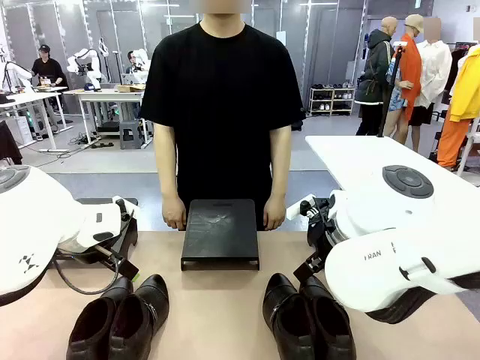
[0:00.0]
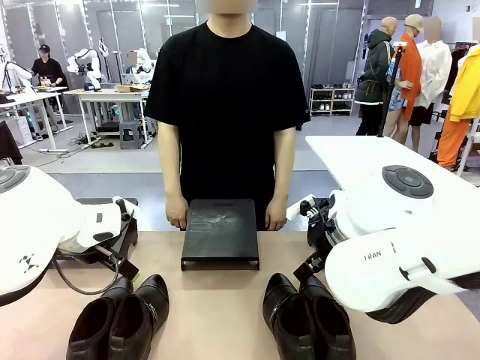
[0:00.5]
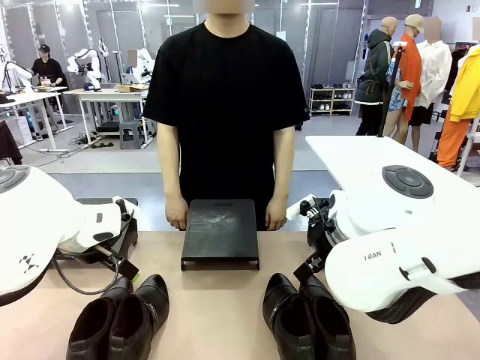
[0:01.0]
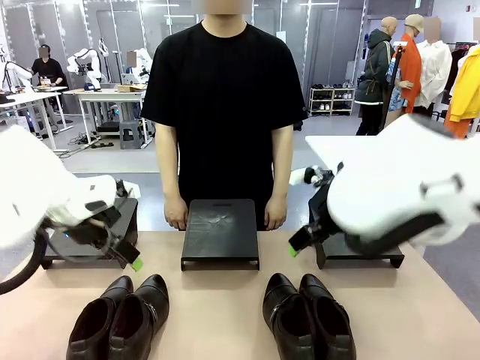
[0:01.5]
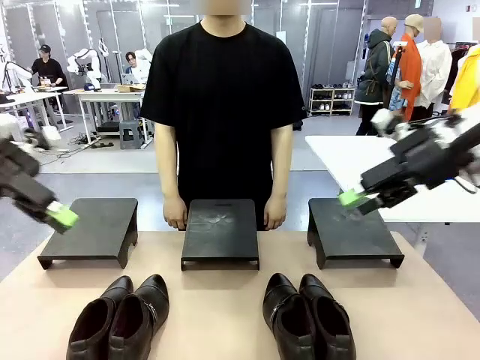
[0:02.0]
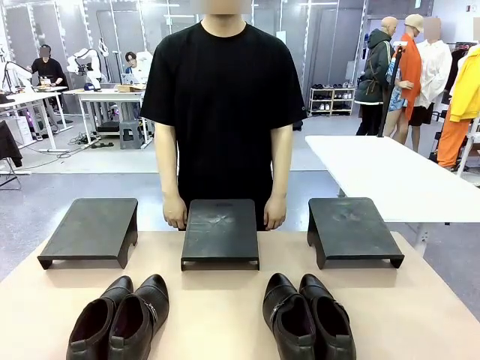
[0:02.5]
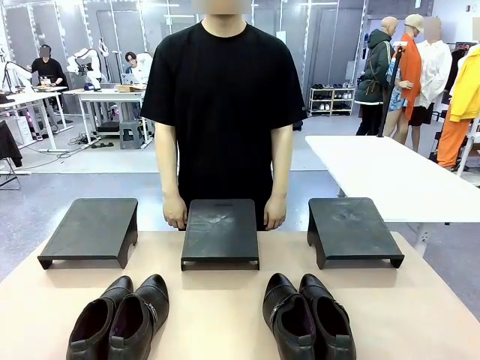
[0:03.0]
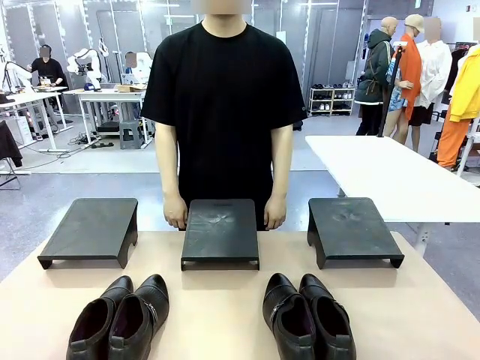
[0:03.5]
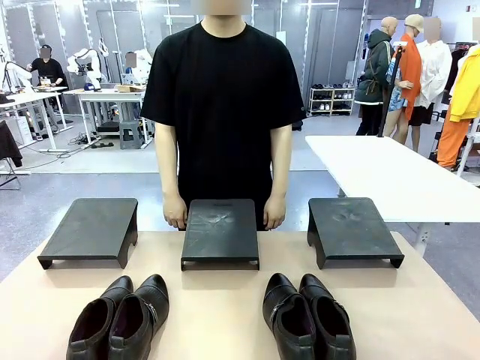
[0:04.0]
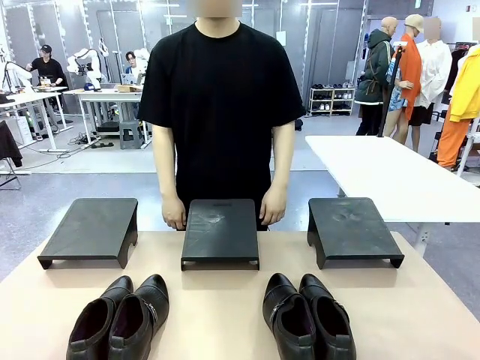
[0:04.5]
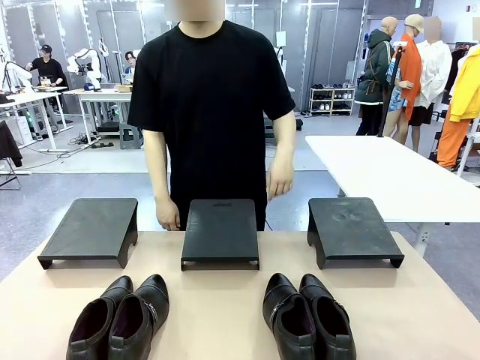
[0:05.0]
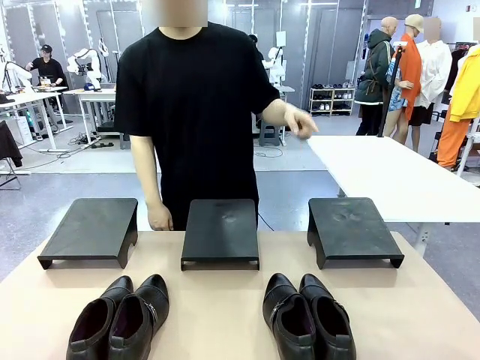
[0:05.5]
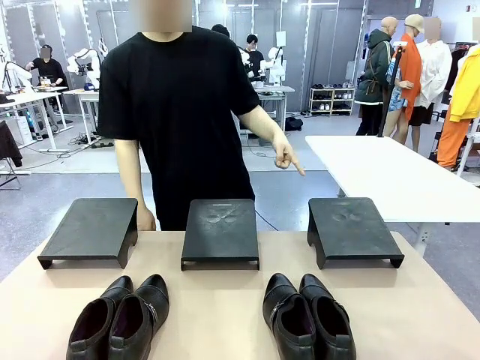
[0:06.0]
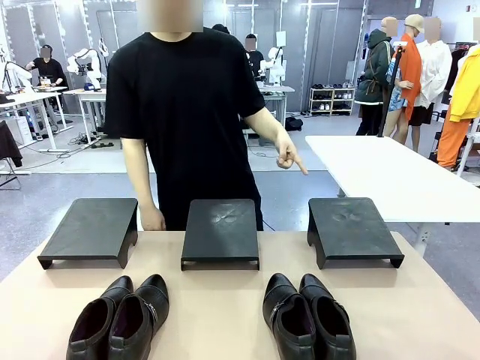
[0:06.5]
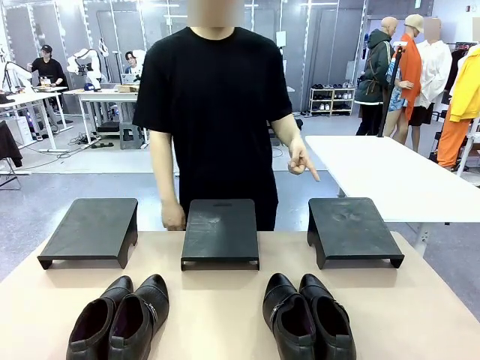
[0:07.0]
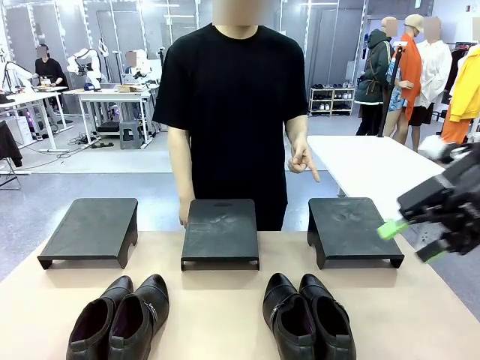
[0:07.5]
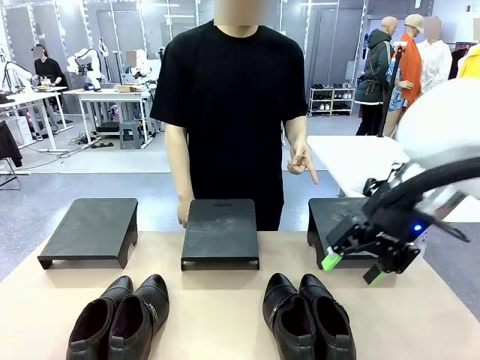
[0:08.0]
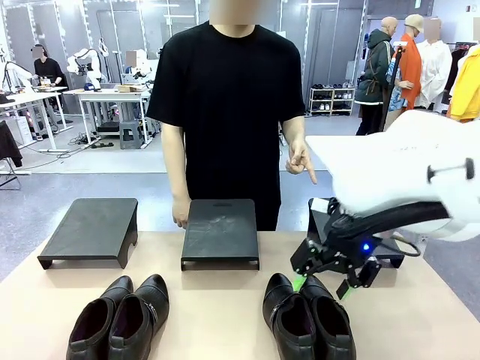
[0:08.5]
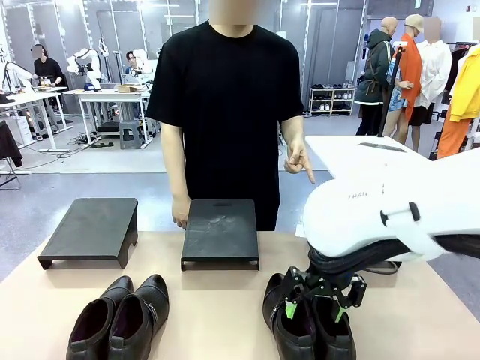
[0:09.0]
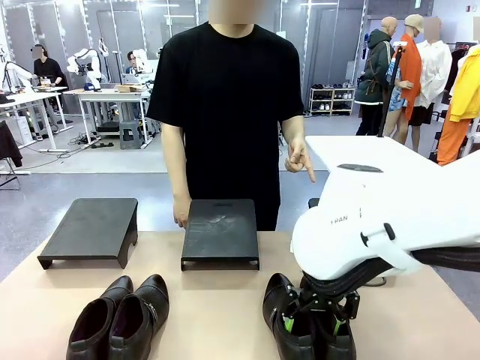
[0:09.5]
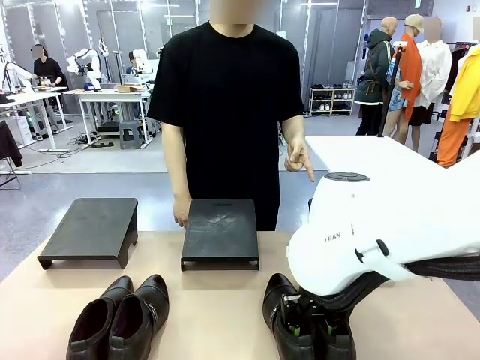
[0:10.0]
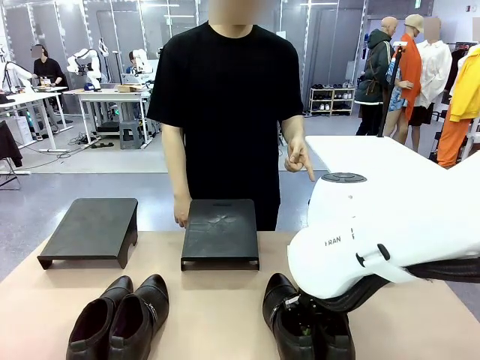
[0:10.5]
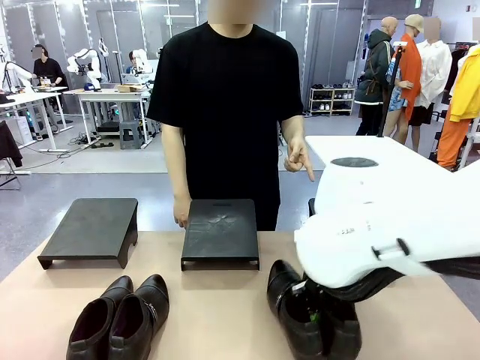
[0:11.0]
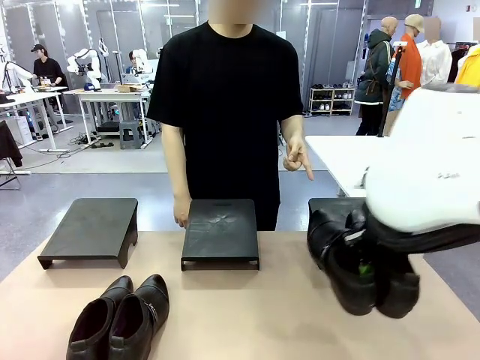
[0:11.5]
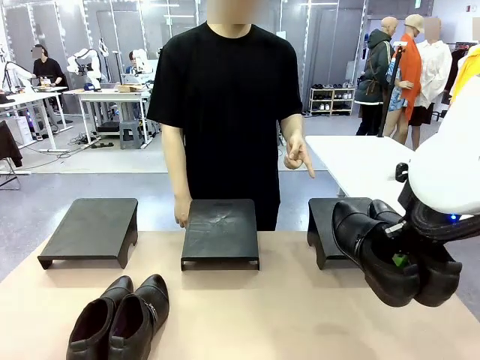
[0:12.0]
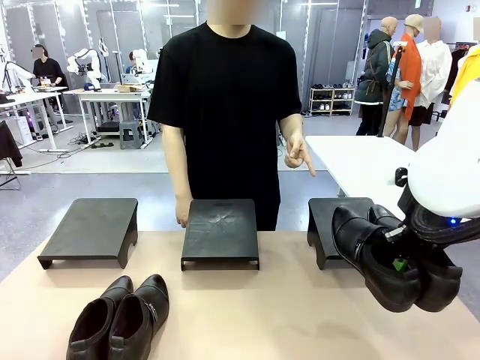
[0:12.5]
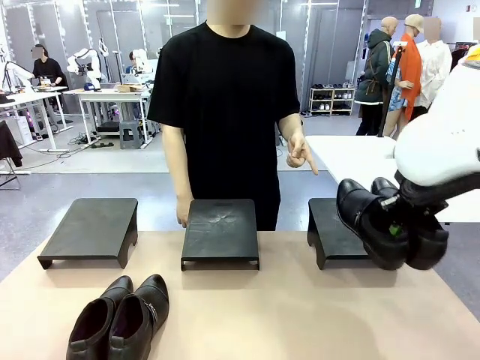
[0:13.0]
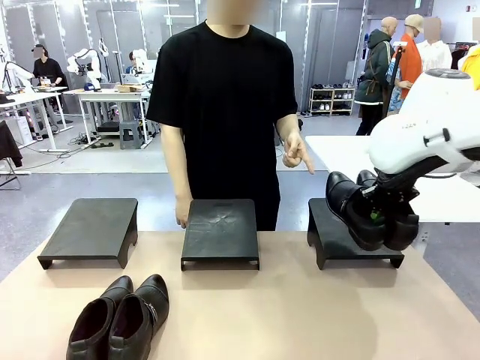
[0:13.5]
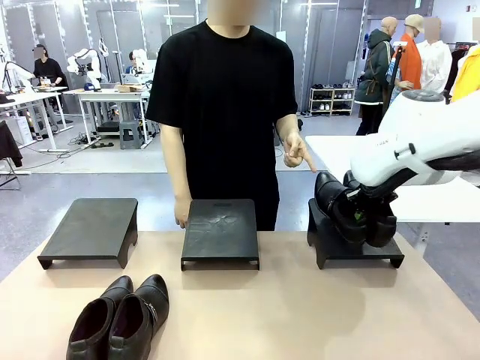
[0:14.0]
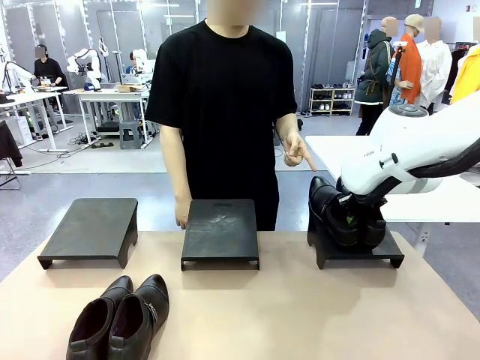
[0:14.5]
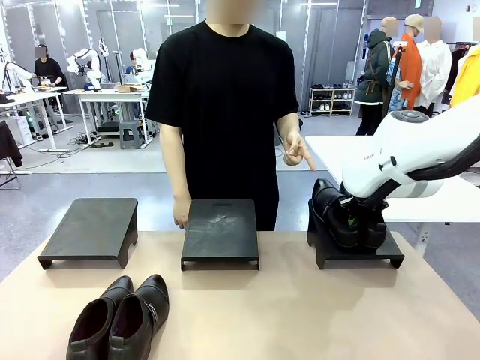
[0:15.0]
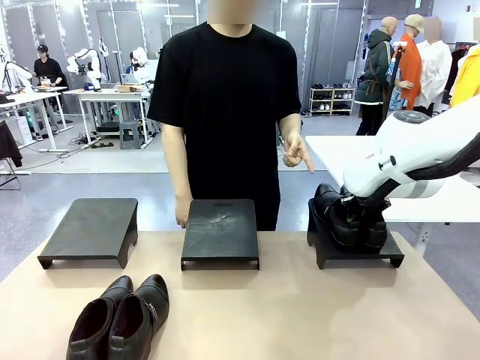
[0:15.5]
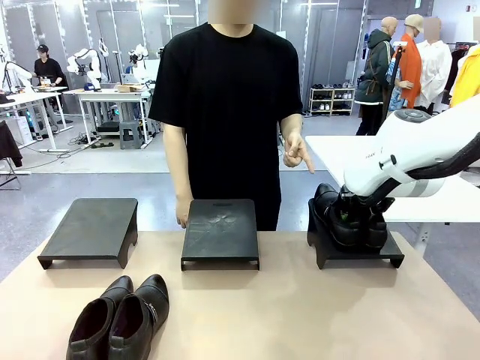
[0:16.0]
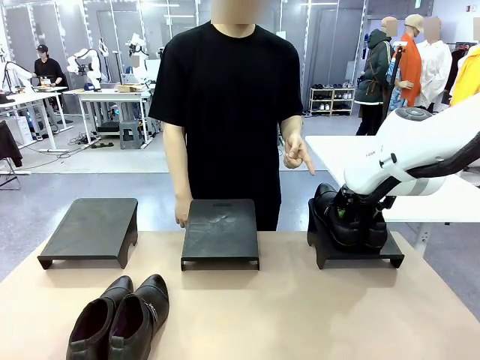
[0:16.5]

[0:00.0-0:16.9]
Task: Place the shoes on the stand as instructed by the person.
Robot: Pick up one pair of Shoes and place it on the Shoes Stand indicated by the person.
